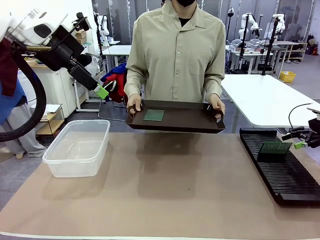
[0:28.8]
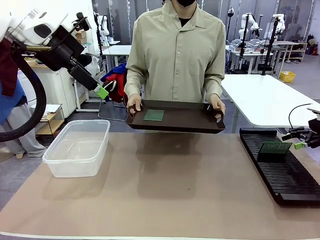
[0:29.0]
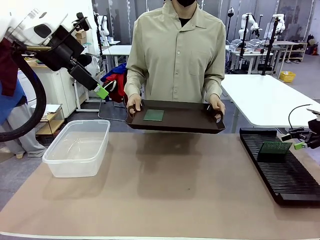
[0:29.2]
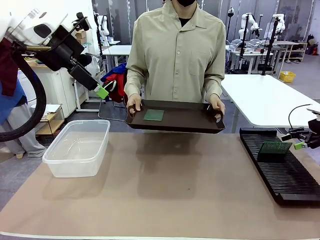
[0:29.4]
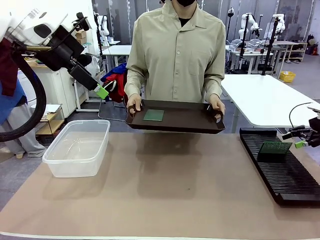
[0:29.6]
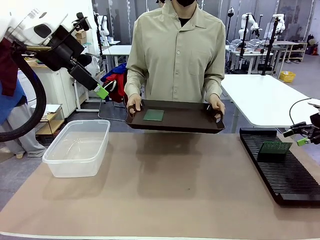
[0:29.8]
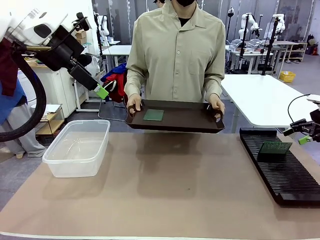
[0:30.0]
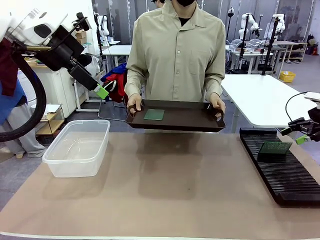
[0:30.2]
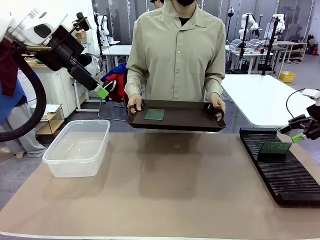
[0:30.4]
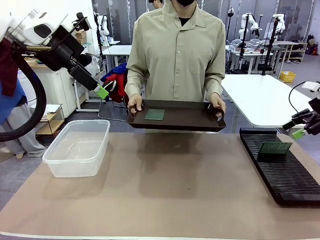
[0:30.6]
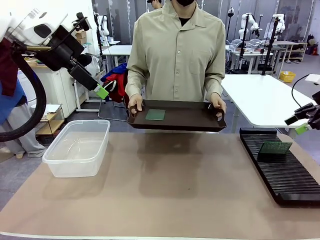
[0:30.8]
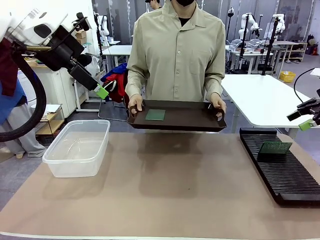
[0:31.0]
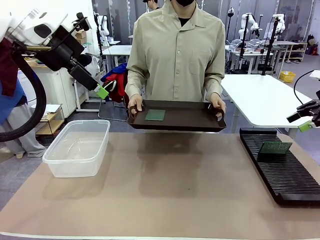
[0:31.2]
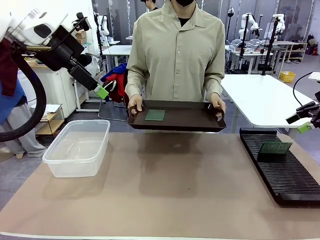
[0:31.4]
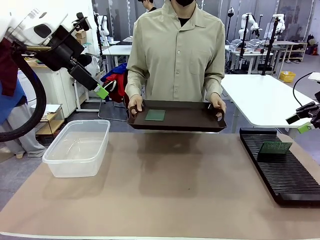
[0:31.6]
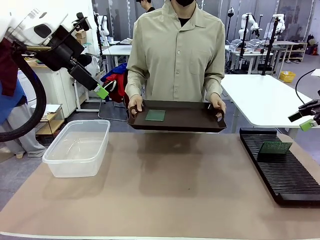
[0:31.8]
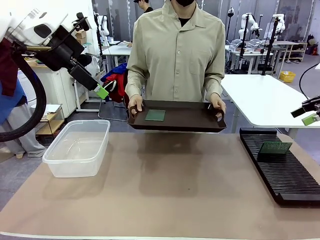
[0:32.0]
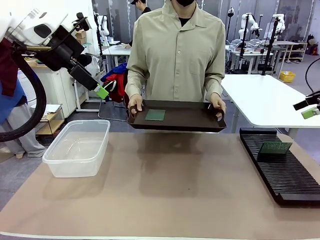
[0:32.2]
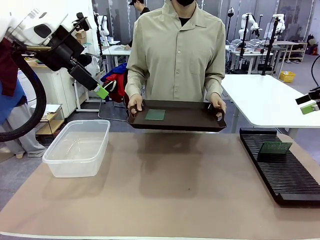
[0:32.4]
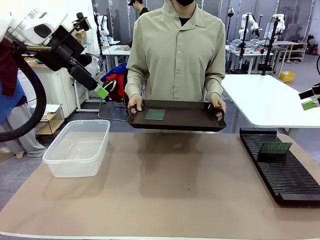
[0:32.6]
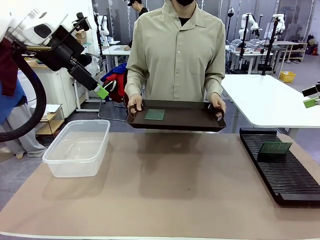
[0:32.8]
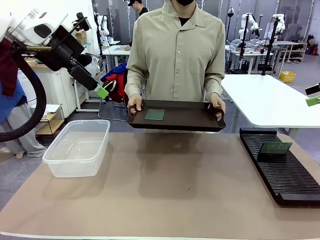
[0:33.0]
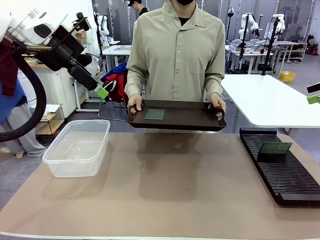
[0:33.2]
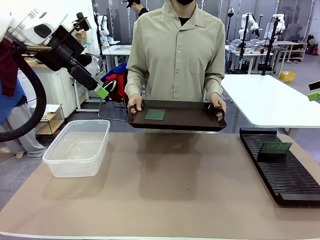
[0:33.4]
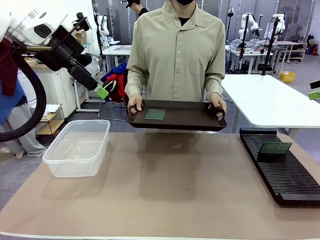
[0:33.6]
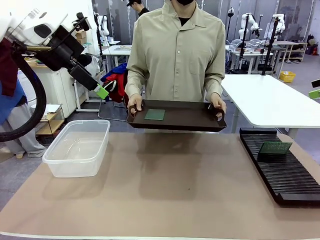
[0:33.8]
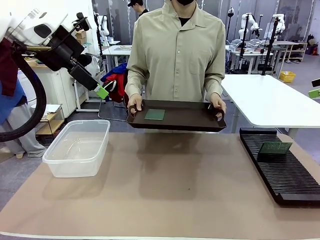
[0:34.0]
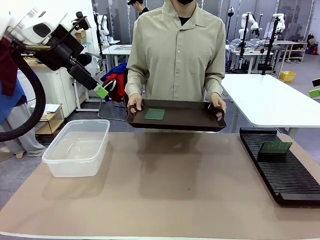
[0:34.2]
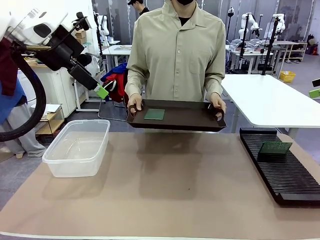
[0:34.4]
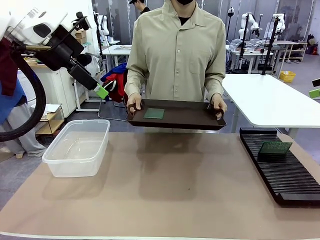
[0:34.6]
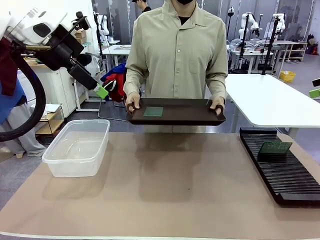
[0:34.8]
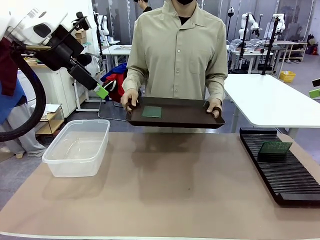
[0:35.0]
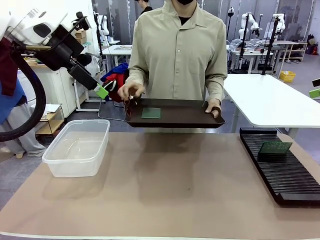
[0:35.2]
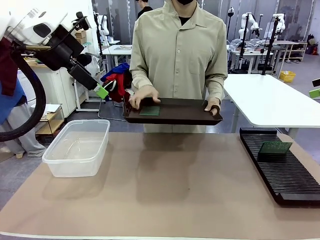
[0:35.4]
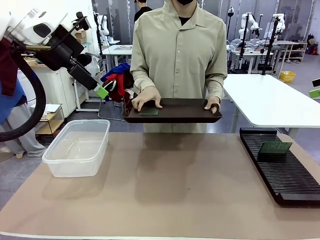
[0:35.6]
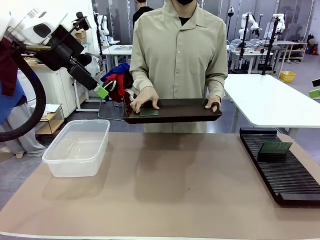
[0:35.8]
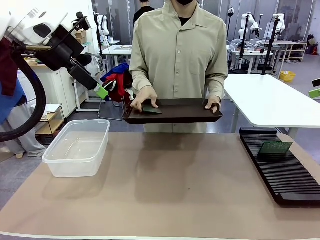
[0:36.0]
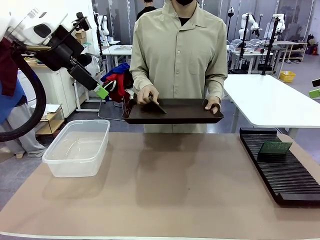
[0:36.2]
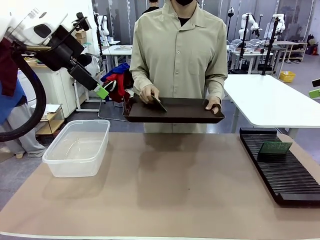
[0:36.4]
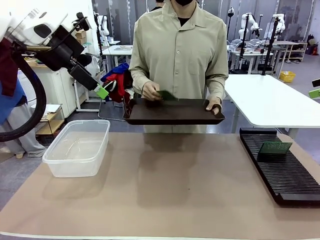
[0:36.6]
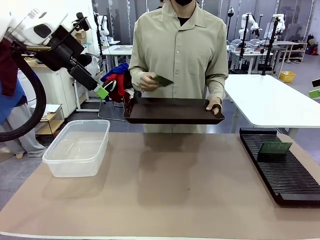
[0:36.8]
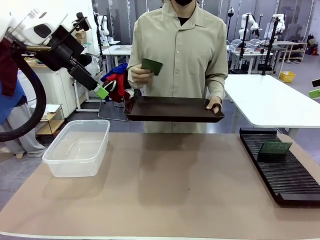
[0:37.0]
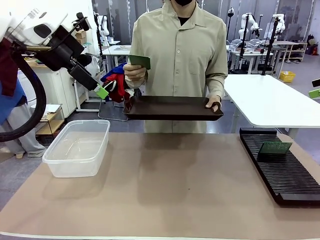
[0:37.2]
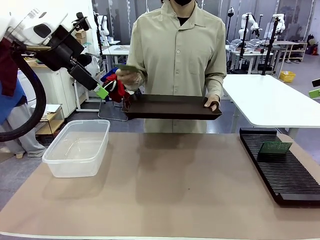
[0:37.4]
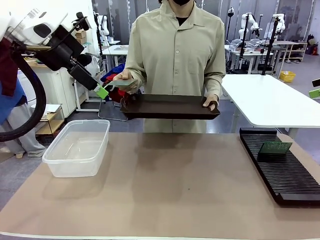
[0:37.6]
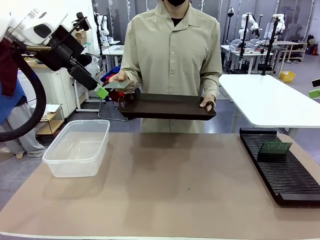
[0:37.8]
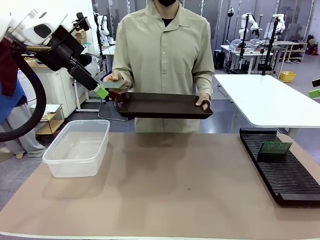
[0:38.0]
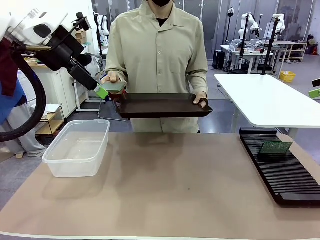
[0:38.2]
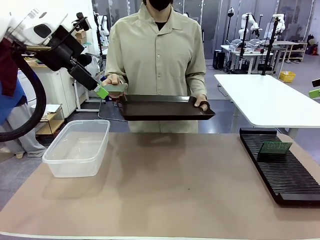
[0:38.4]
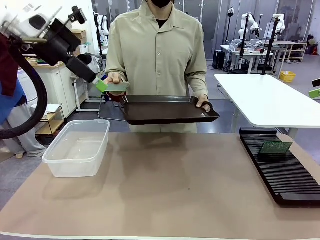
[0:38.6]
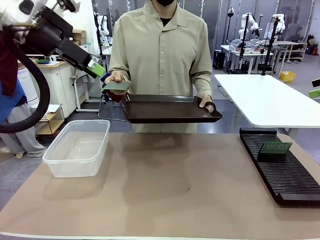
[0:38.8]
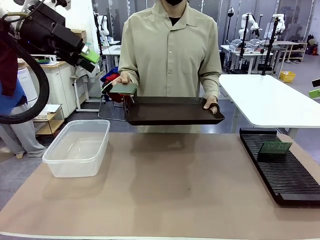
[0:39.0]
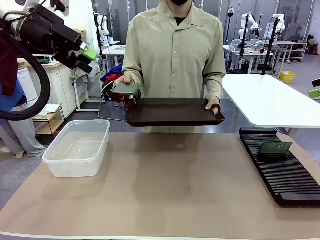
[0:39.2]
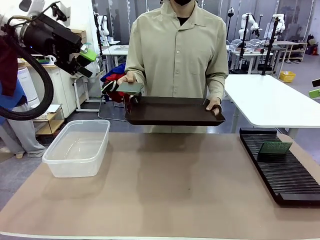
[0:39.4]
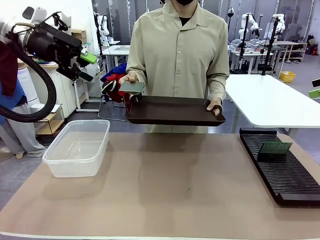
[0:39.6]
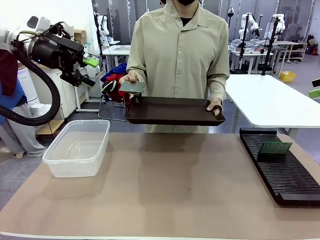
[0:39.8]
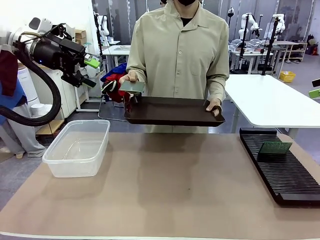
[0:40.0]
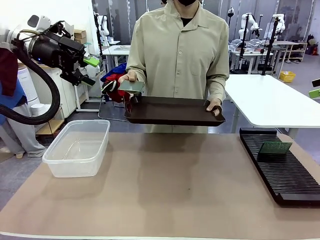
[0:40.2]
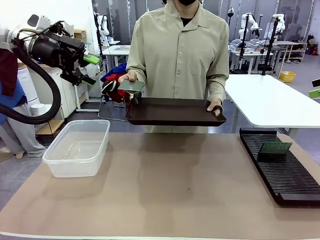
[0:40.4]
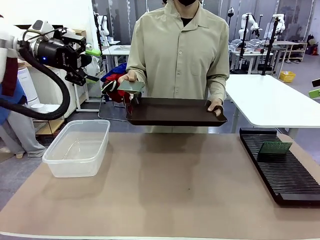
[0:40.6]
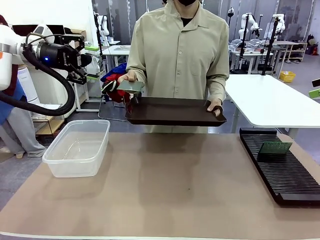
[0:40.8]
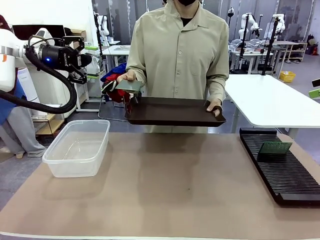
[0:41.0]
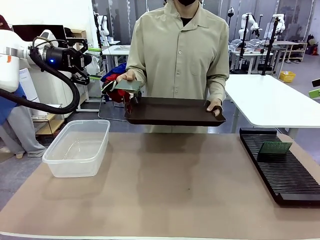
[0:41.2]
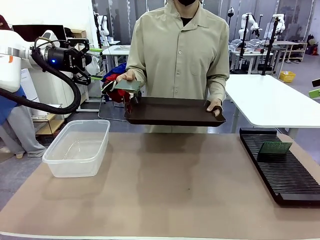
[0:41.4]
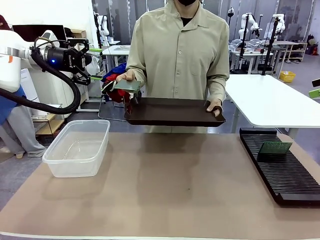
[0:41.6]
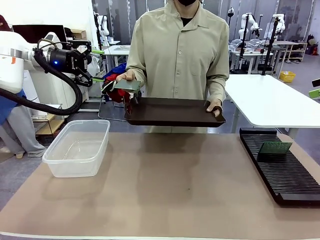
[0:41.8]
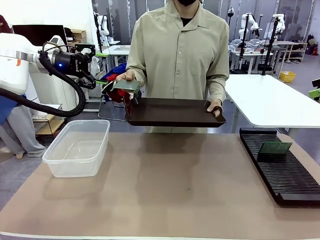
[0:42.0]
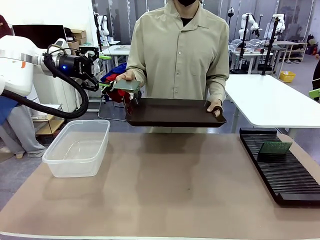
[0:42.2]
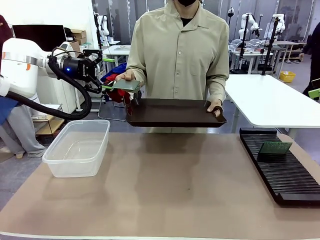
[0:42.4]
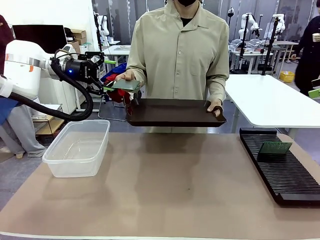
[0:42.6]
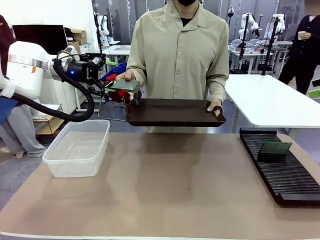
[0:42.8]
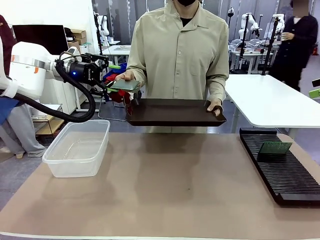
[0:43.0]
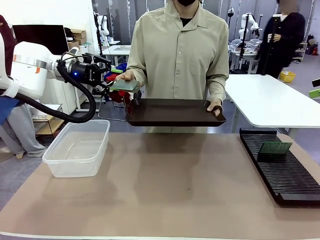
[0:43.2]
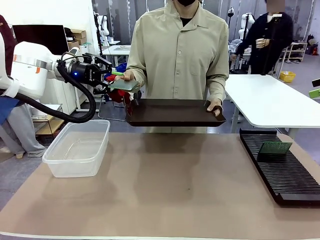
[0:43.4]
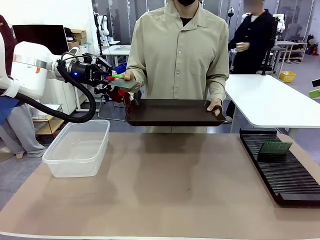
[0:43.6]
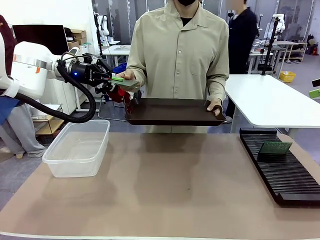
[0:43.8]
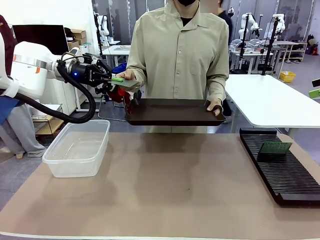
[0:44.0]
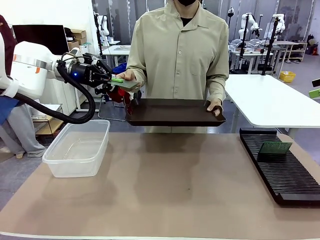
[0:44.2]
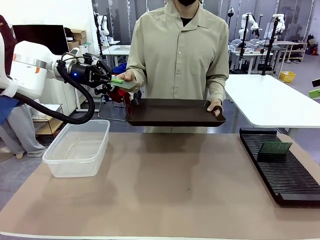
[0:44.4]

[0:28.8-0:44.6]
Task: Sort PCBs into racks and boxes based on the side picked up.
Robot: Pick up the Blank PCB handed by the Human.
